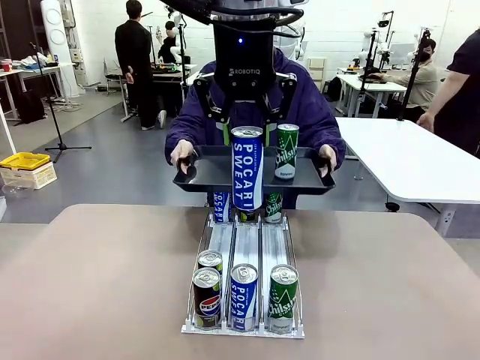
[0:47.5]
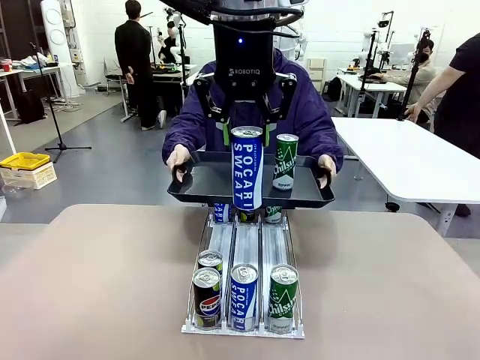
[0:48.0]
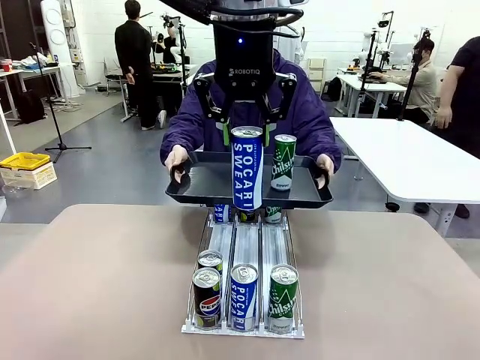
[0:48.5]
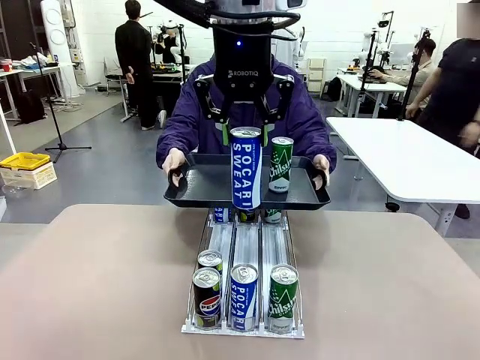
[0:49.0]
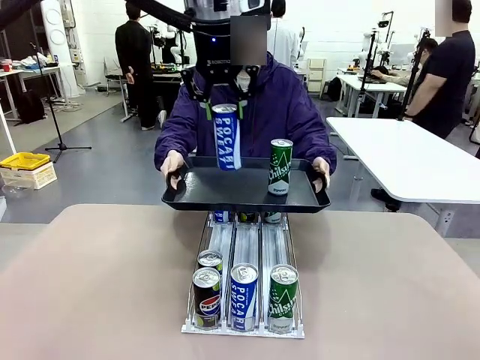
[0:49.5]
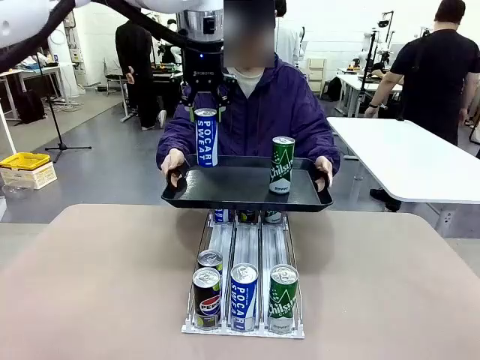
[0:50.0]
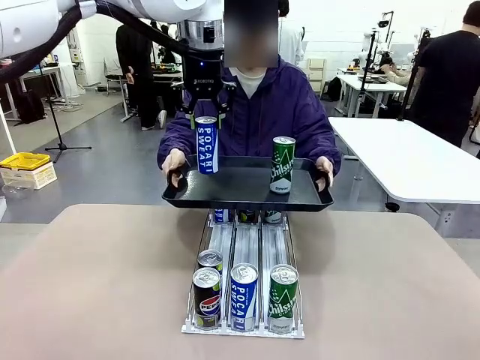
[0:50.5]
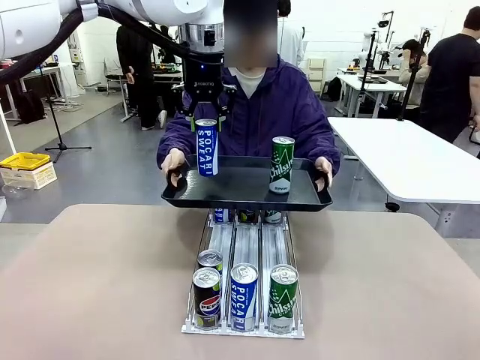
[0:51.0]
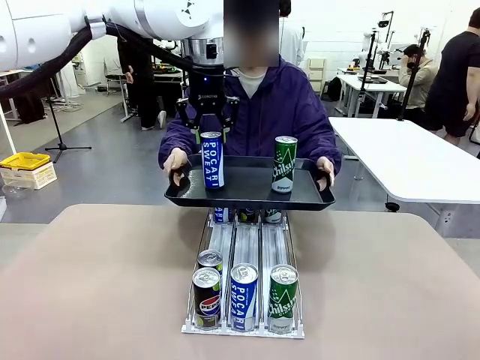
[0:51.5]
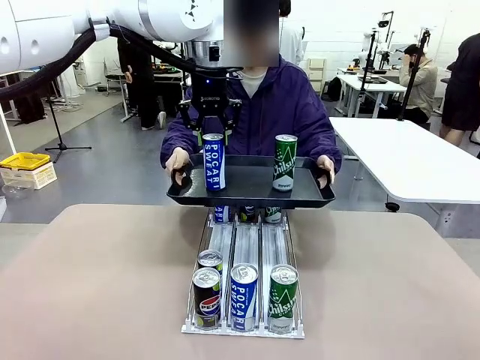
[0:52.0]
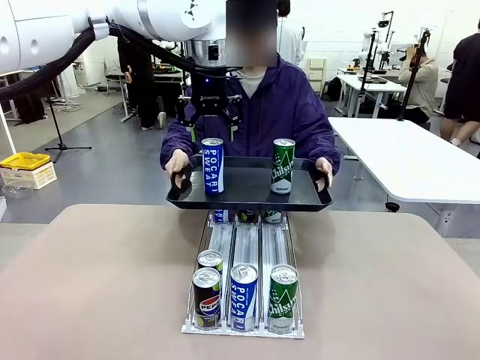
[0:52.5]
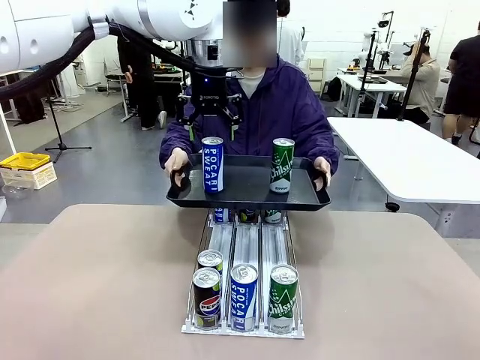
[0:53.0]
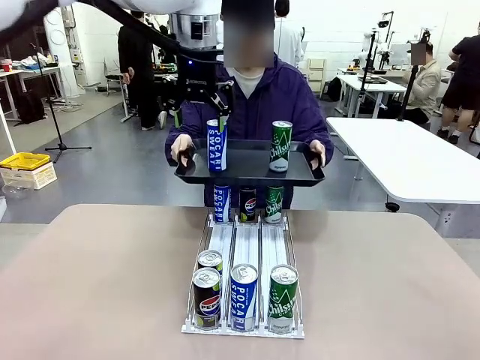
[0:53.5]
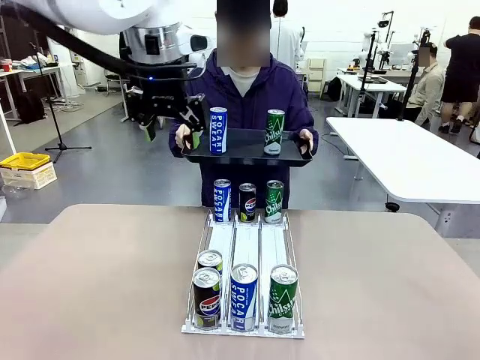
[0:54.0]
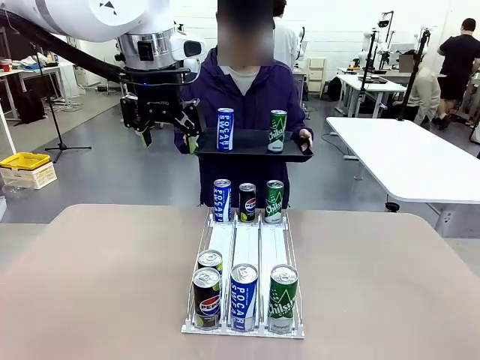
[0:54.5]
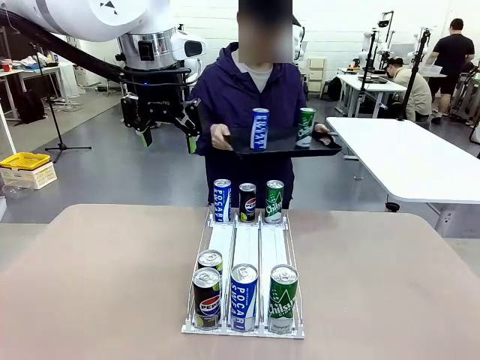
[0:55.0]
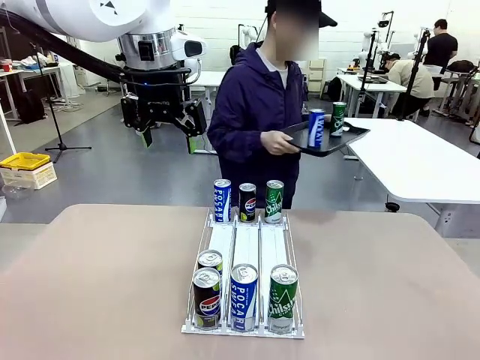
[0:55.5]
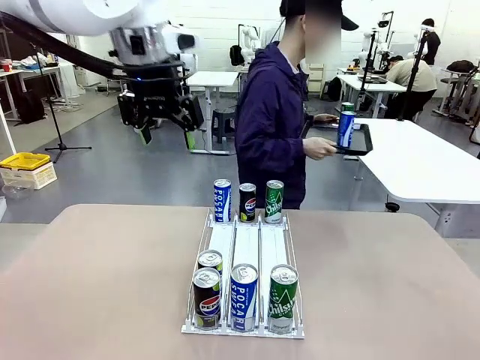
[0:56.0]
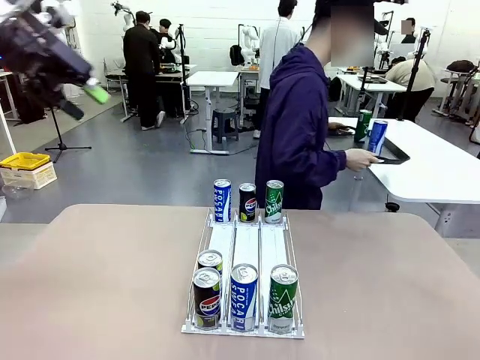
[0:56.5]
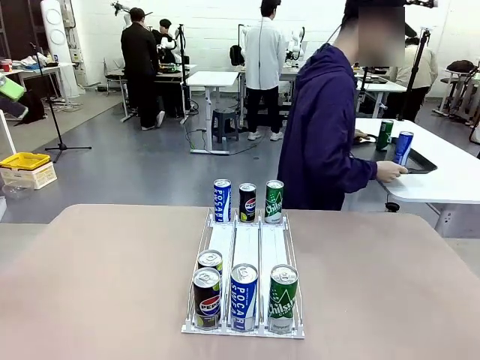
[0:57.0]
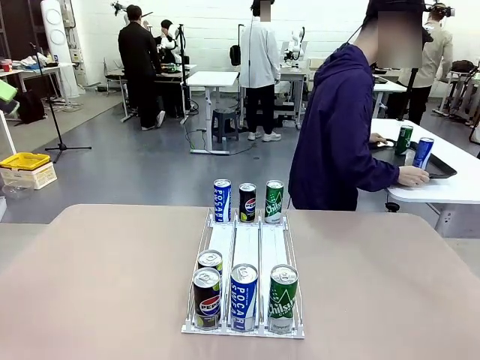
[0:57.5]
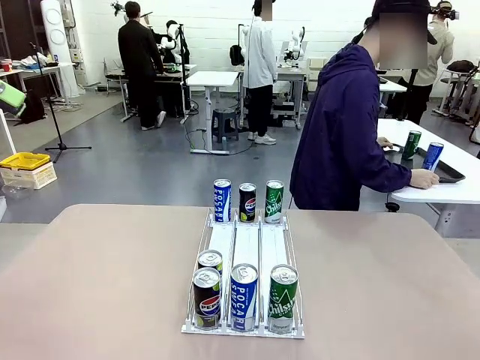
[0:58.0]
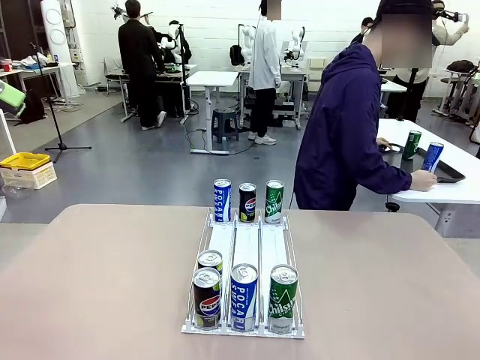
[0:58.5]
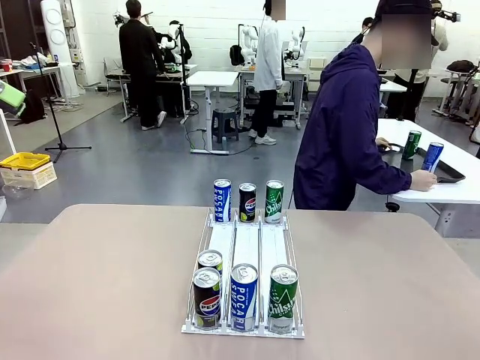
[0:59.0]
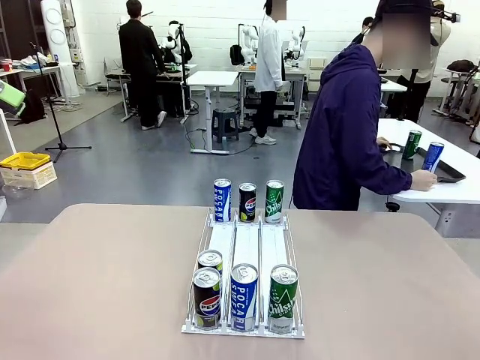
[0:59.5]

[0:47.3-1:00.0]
Task: Retrieve and hand over the desired beverage to the person.
Robot: Place the picked can on the Handle tray extended by the person.
Person: Pull the tray back and place it at the center of the human table.

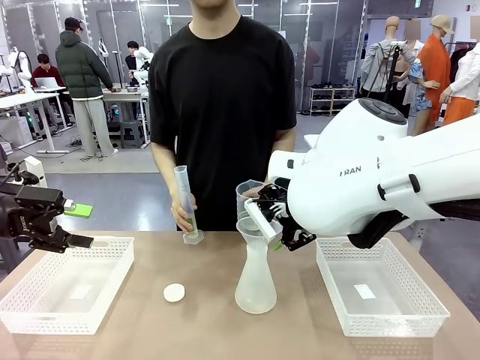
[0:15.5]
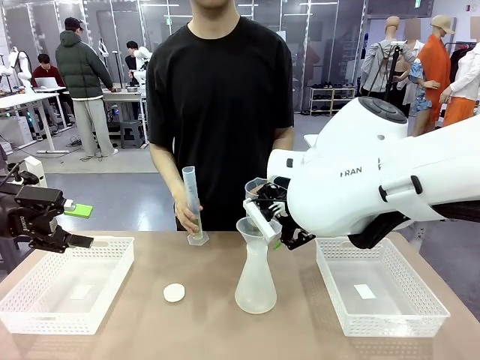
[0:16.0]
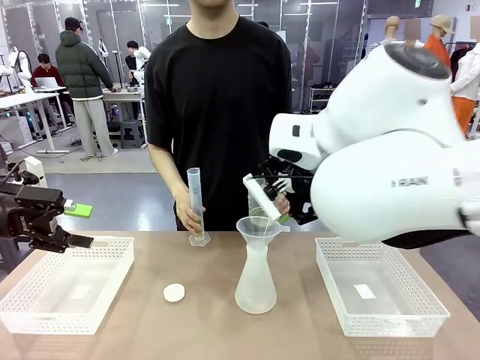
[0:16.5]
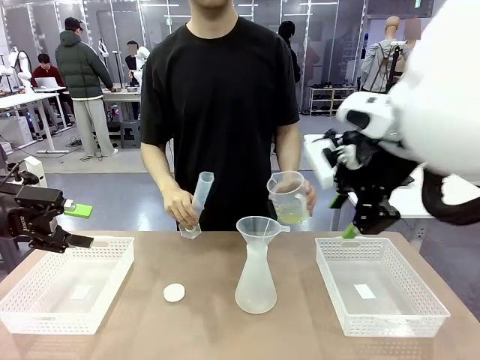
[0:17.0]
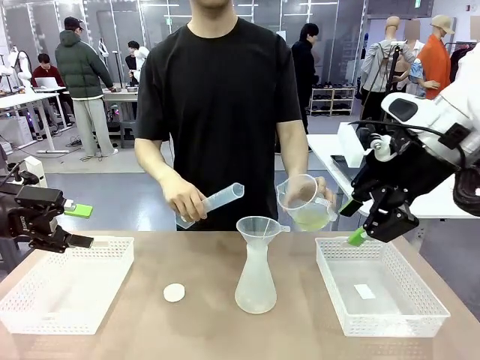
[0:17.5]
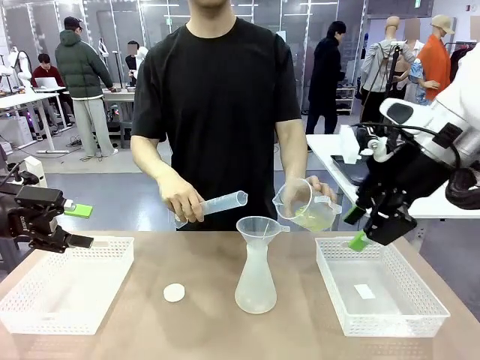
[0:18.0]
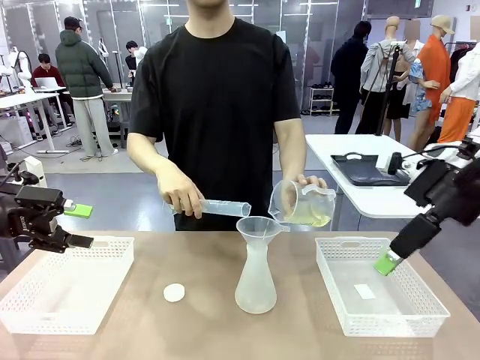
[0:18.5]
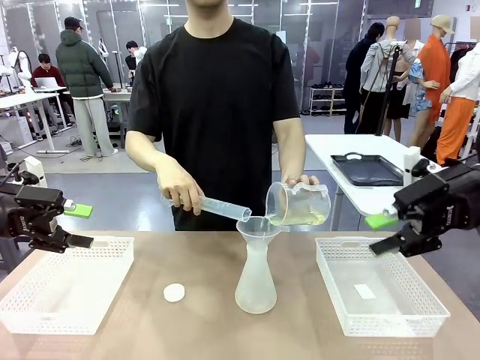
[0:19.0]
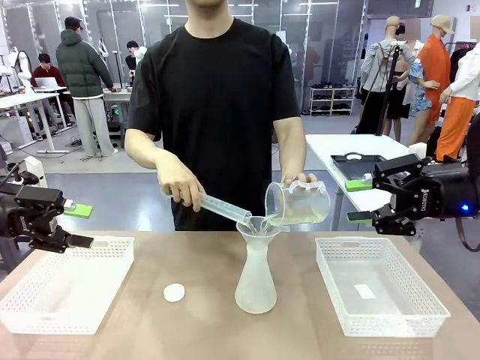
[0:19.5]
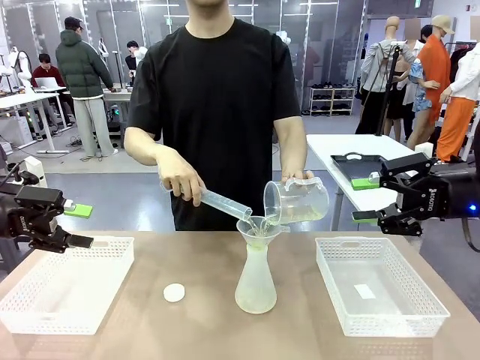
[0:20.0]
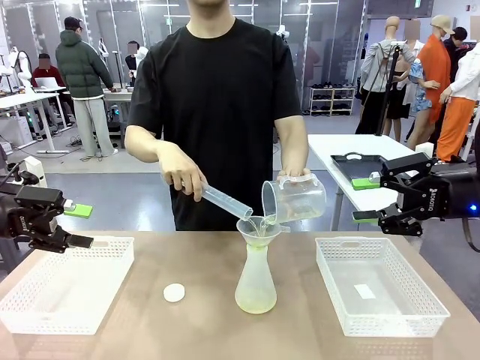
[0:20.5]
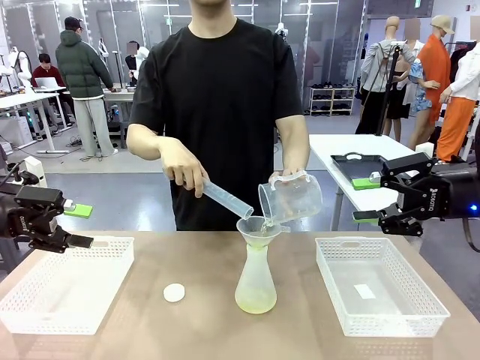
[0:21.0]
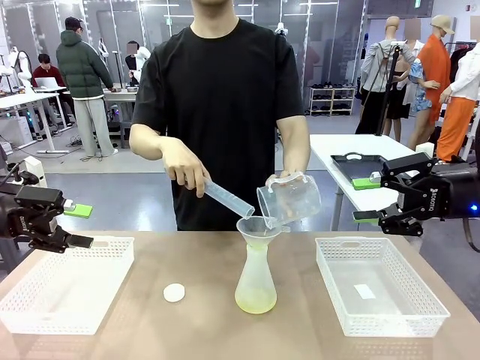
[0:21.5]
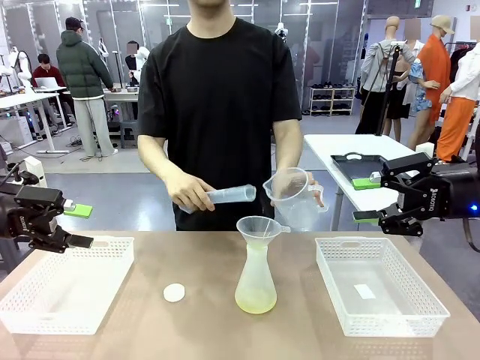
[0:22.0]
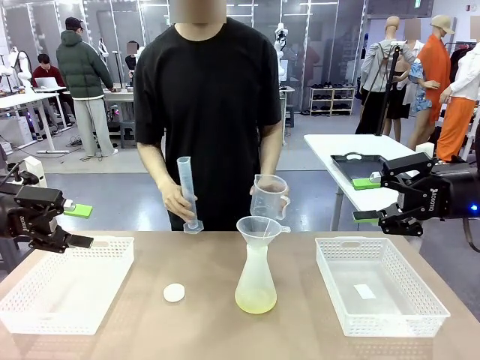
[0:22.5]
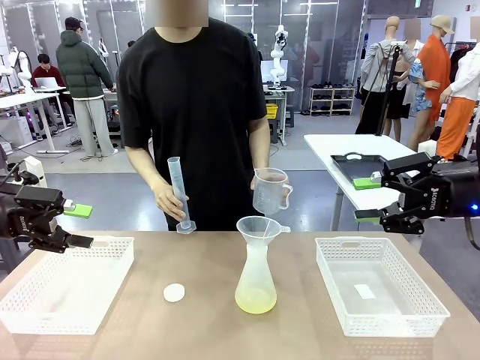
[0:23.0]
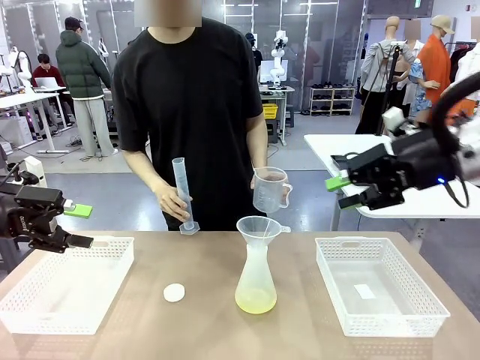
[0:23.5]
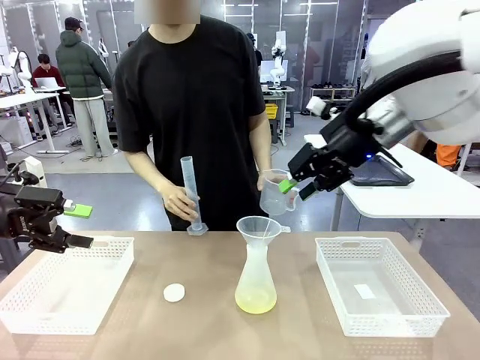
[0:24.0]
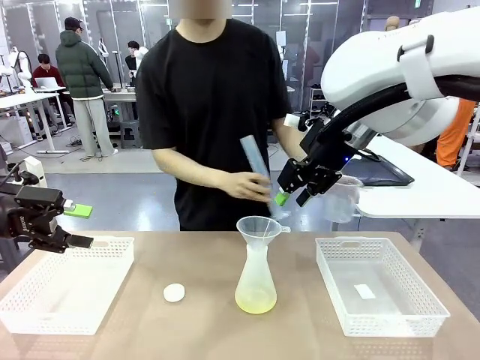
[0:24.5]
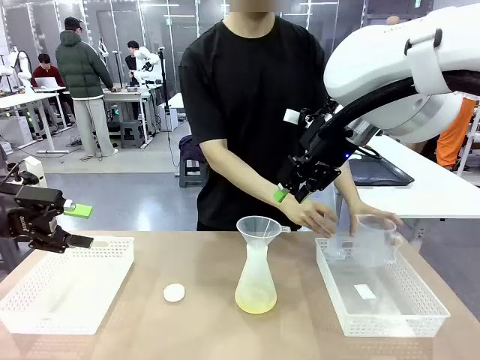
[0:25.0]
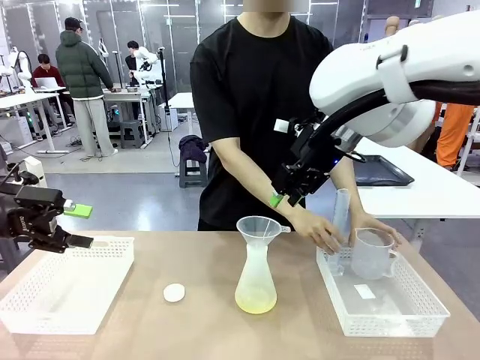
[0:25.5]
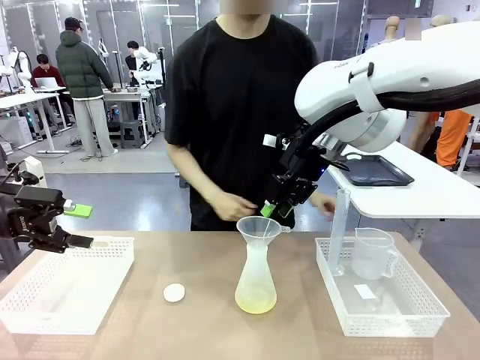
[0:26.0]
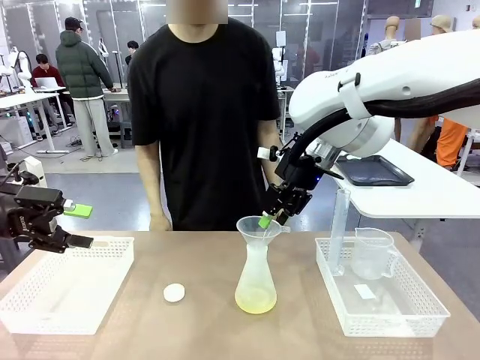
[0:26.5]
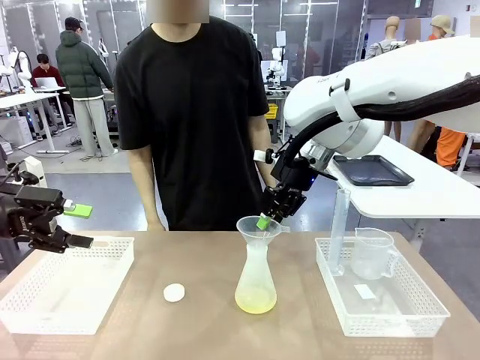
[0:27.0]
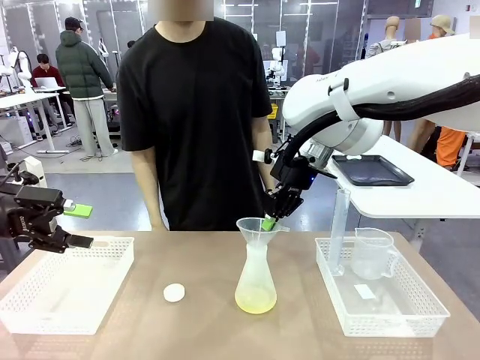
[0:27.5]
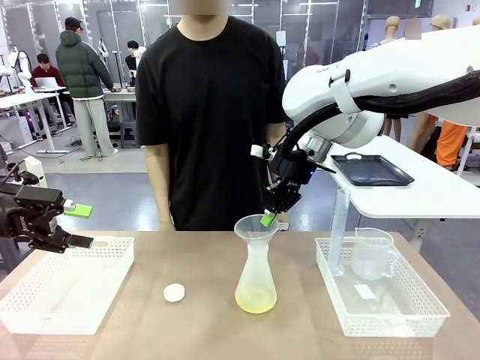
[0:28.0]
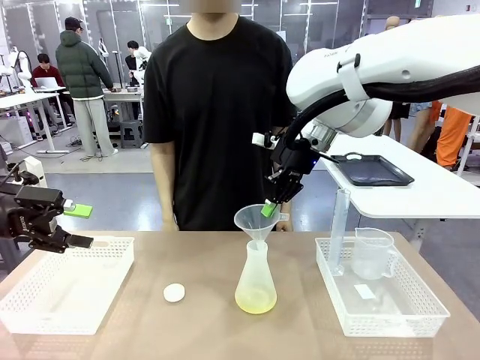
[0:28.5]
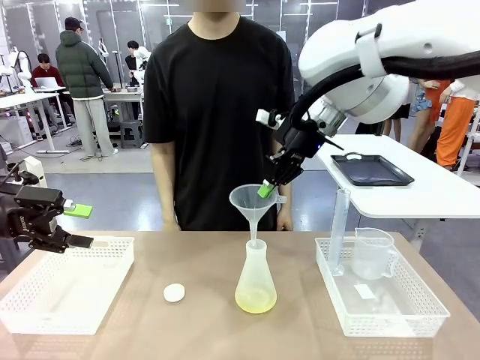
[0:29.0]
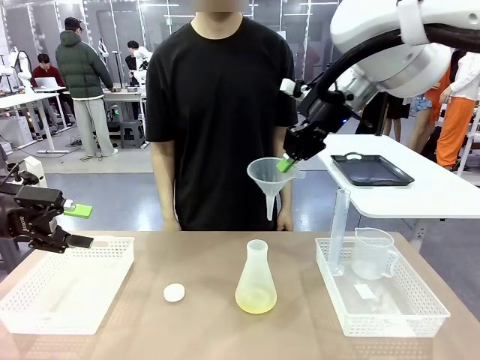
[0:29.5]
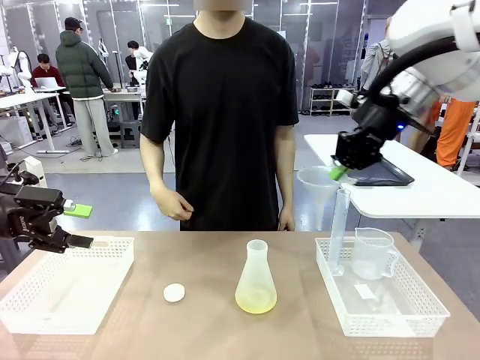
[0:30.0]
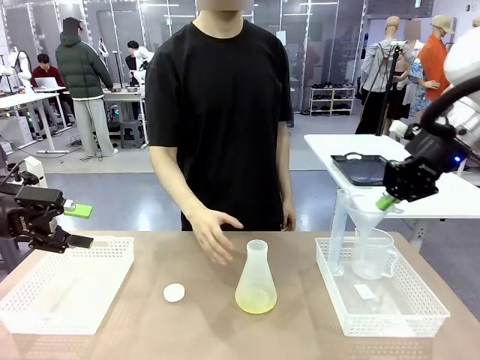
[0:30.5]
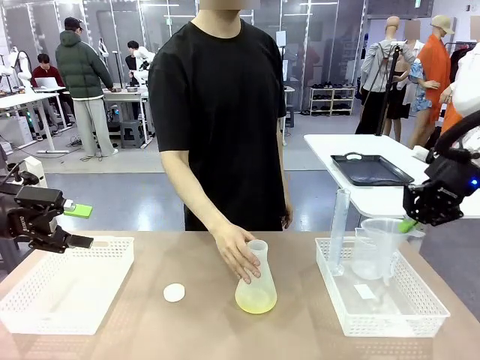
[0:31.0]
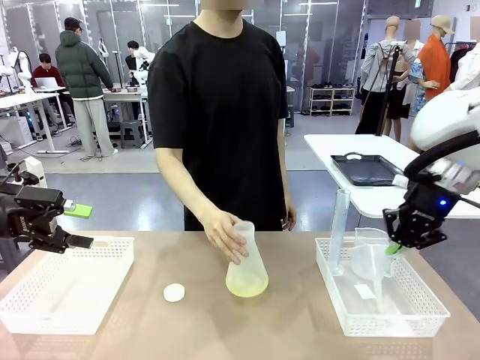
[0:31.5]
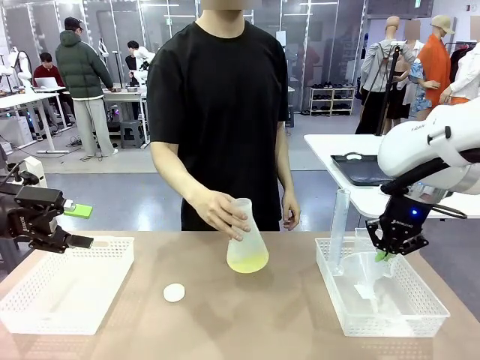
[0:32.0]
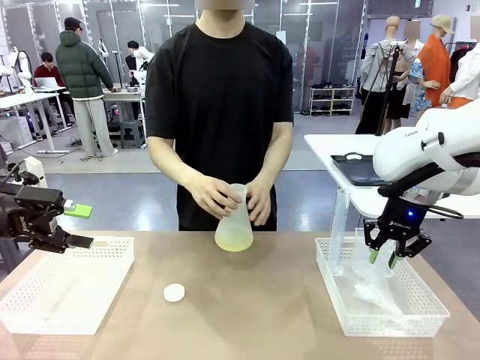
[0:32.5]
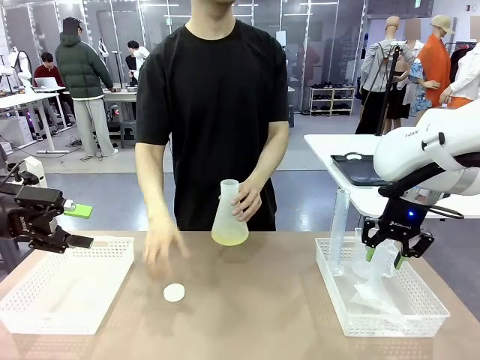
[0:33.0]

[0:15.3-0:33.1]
Task: Prepare the solutions needed for the experiment.
Robot: Once the solution is in the Big flask , pick up the Plastic Funnel and place it back into the right Organizing basket.
Person: Pour the solution from the beaker and the cylinder into the flask. Place the beaker and the cylinder into the organizing basket on the left side. Pick up the flask, gently shake it 2–3 times, place it in the middle of the robot table, and close the lid.
